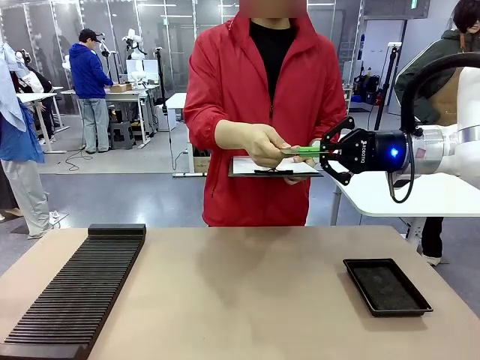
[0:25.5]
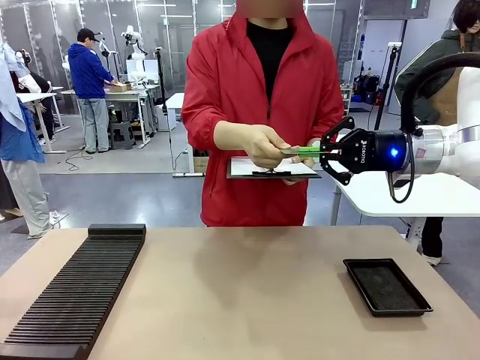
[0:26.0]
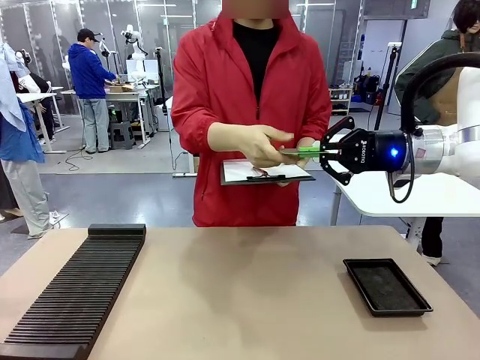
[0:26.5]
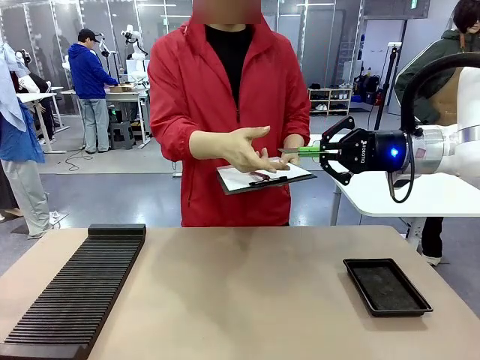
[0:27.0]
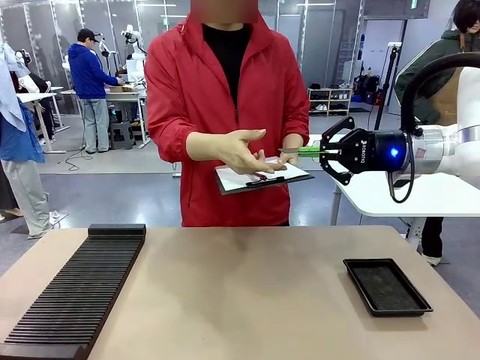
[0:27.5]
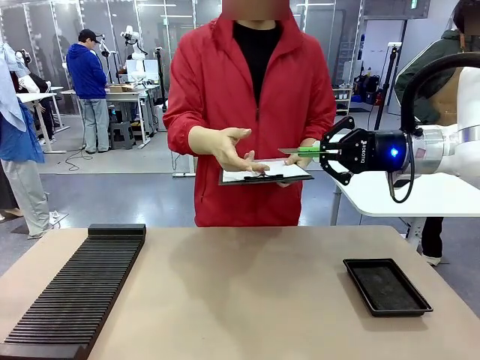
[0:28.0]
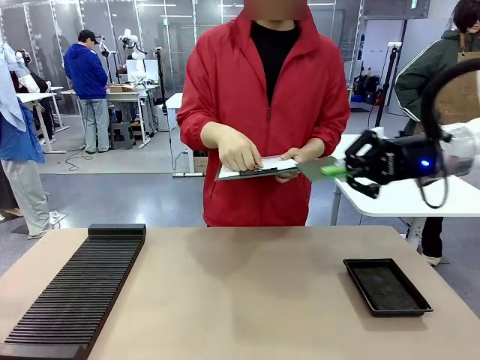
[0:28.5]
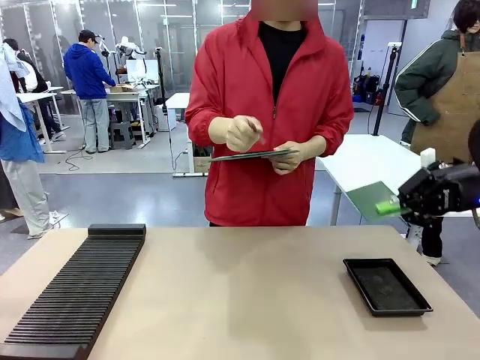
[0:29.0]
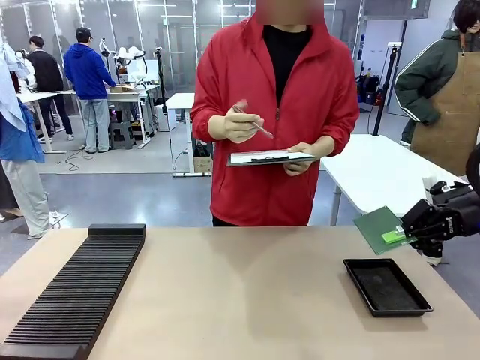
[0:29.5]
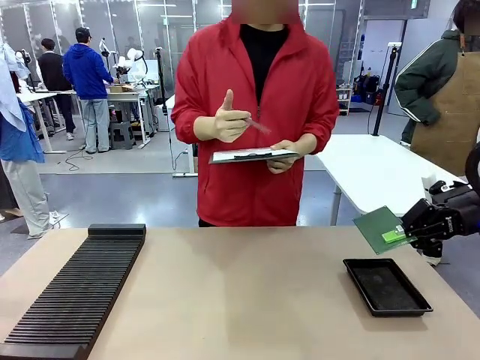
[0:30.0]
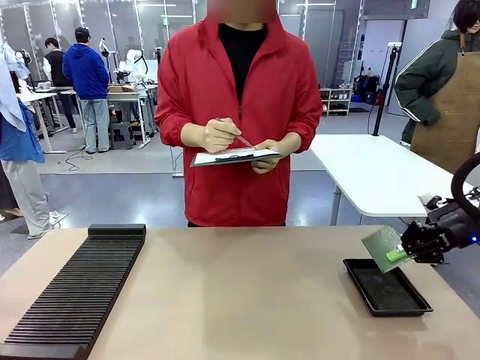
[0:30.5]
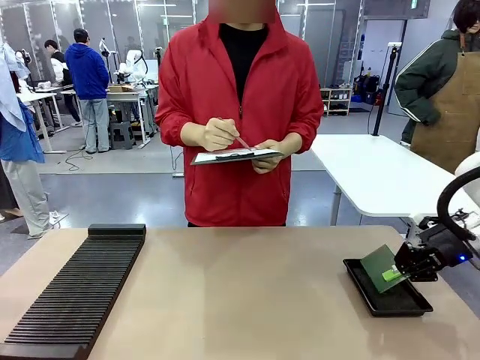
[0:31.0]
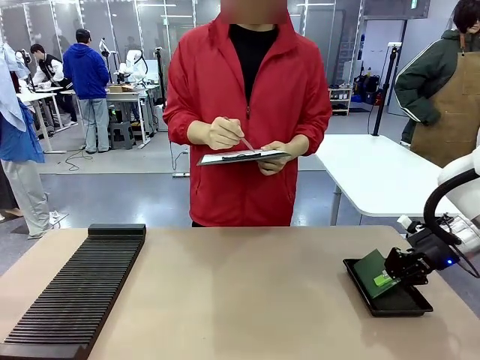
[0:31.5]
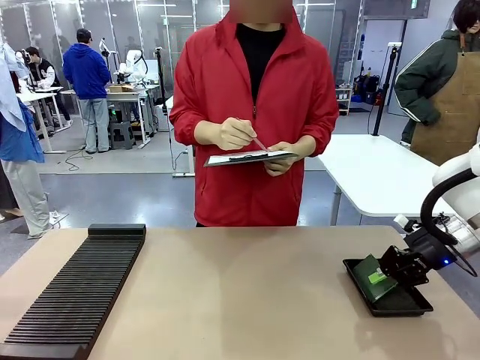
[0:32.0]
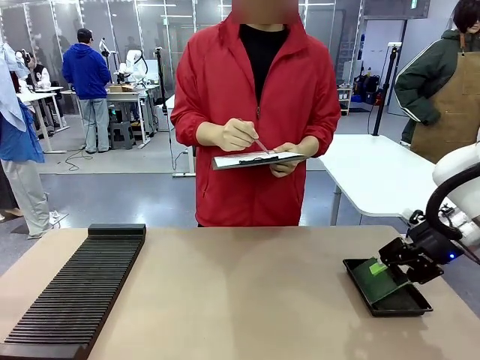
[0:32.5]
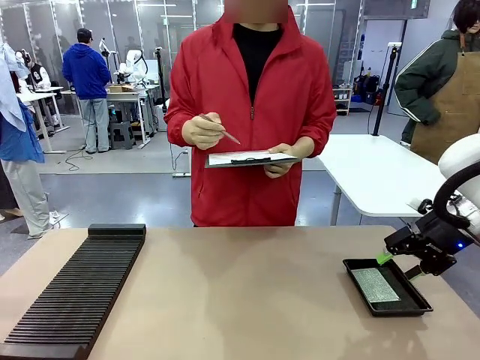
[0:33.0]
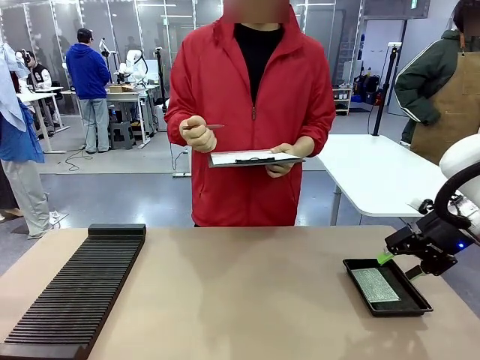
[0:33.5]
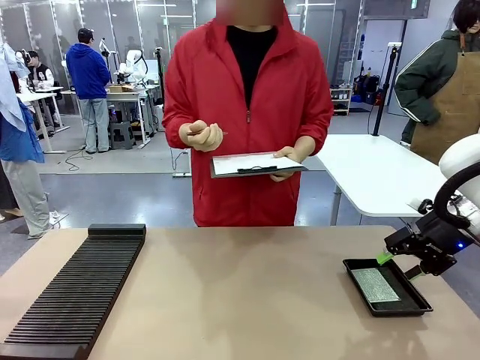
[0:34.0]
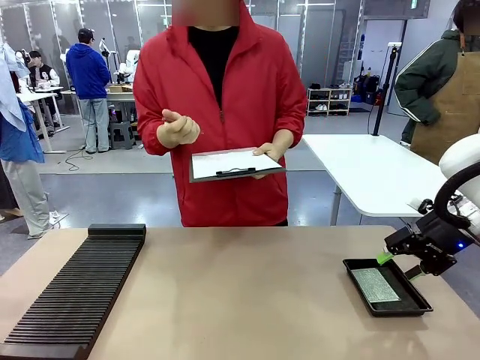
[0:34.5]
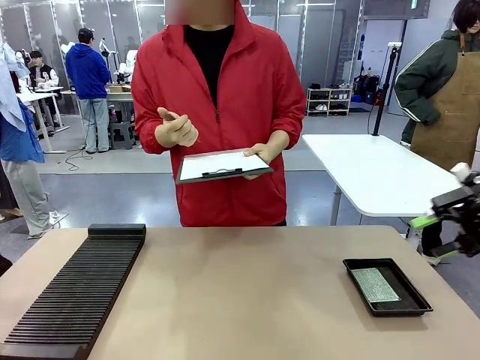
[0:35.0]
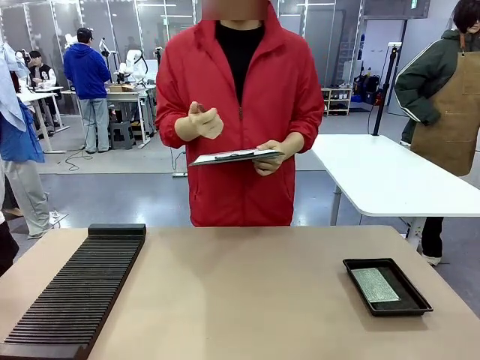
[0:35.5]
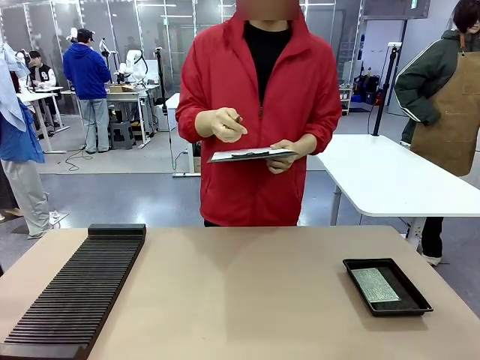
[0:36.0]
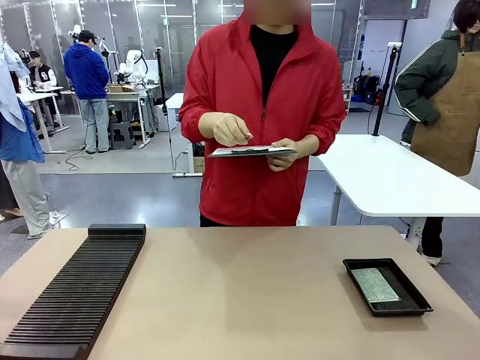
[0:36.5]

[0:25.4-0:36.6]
Task: Inspect the PCB.
Robot: Place the Blank PCB in the ESD tray.
Person: Record the PCB status on the paper.

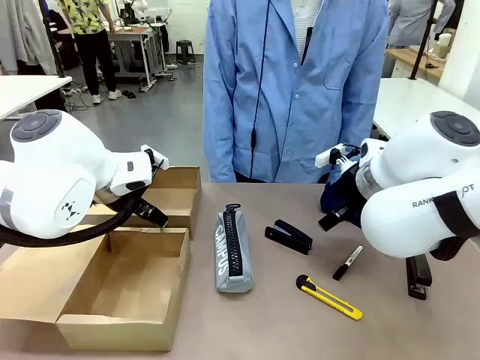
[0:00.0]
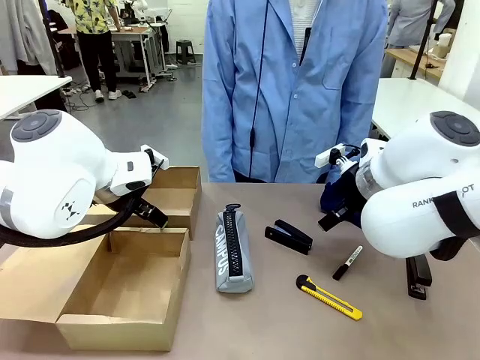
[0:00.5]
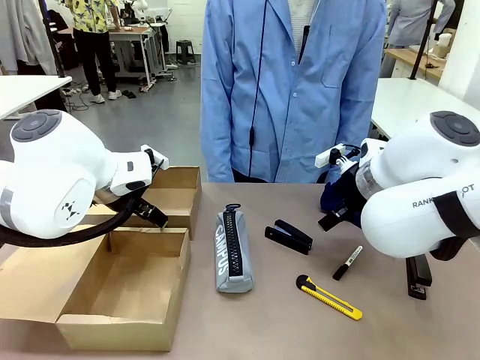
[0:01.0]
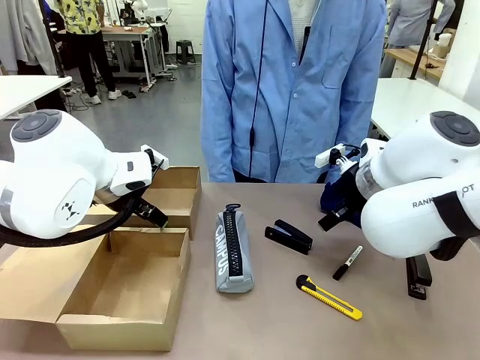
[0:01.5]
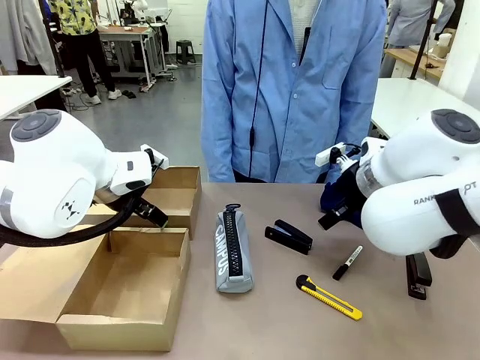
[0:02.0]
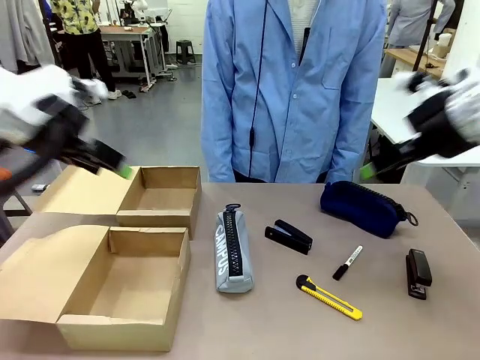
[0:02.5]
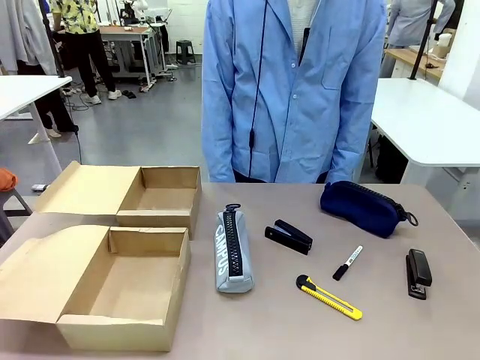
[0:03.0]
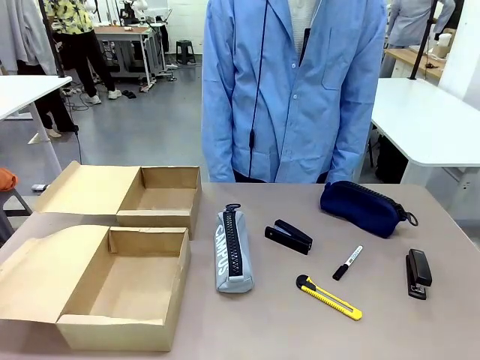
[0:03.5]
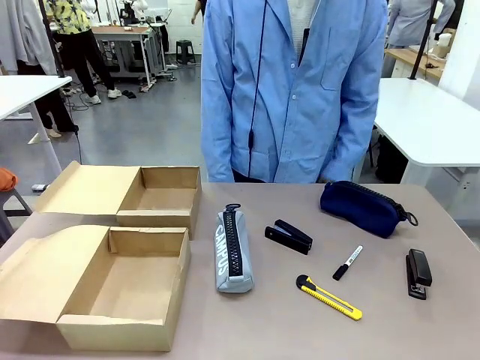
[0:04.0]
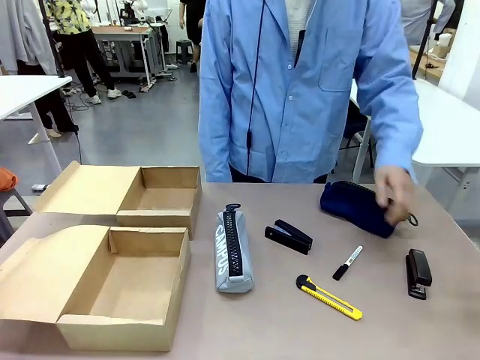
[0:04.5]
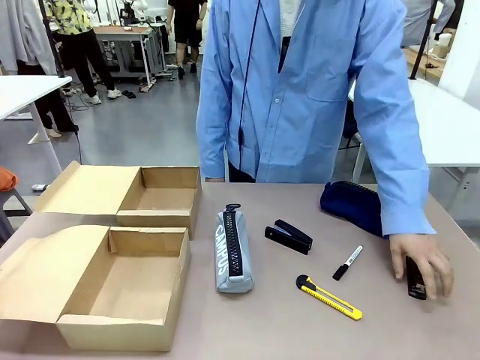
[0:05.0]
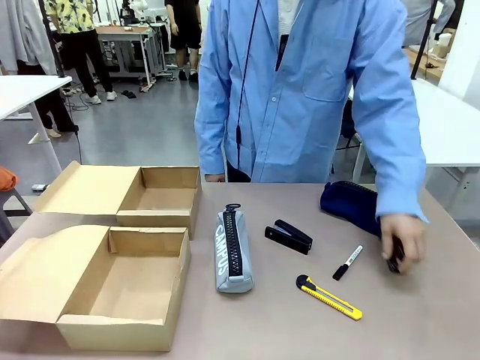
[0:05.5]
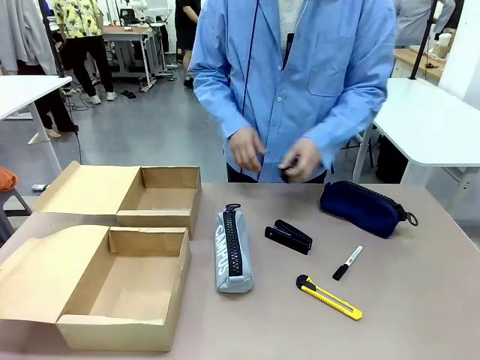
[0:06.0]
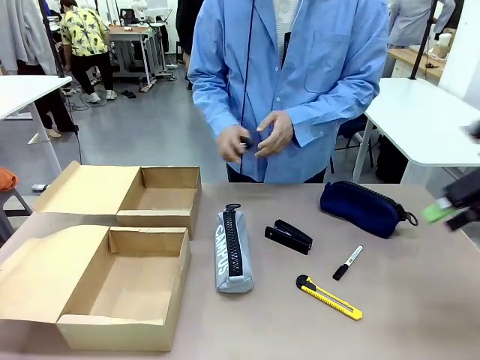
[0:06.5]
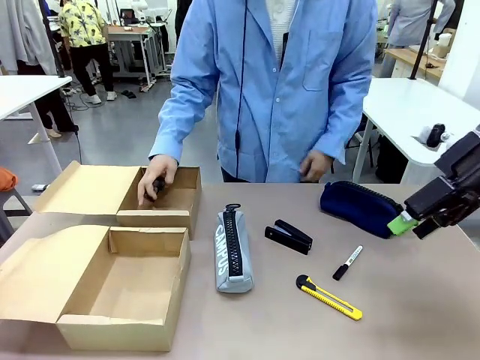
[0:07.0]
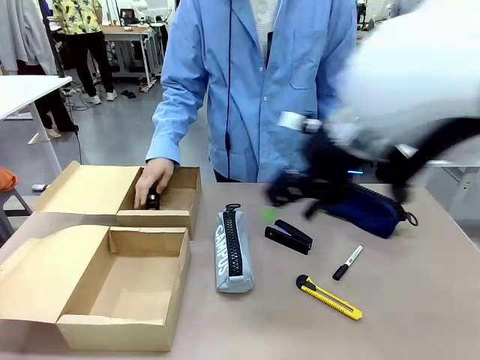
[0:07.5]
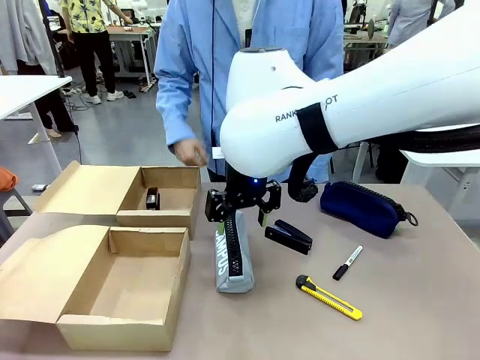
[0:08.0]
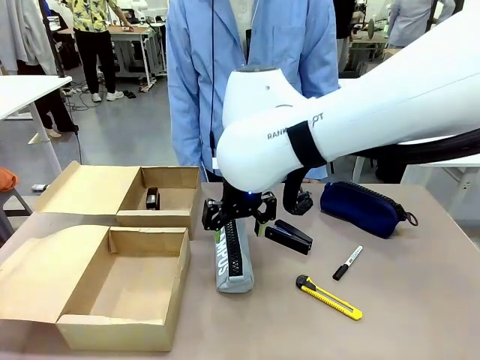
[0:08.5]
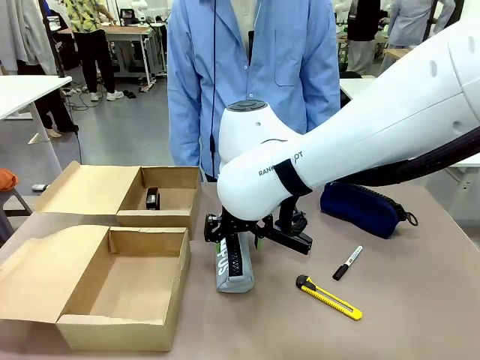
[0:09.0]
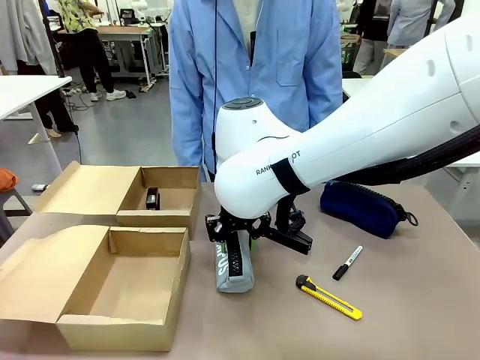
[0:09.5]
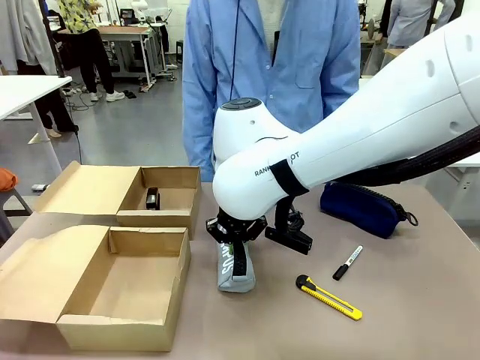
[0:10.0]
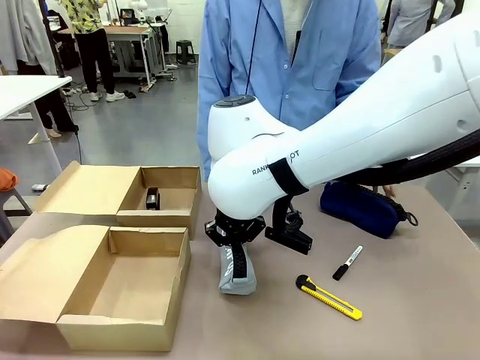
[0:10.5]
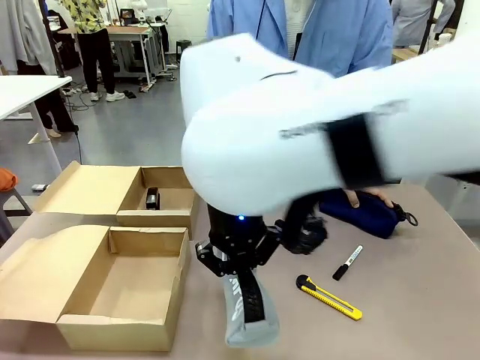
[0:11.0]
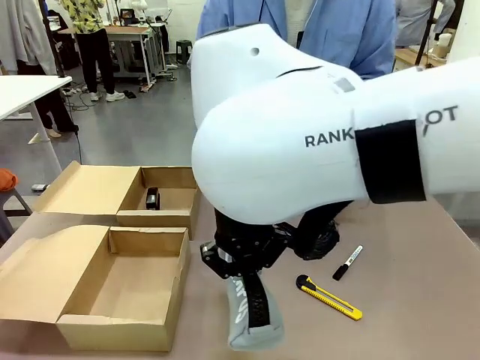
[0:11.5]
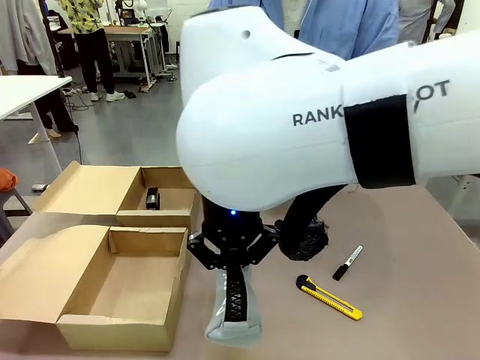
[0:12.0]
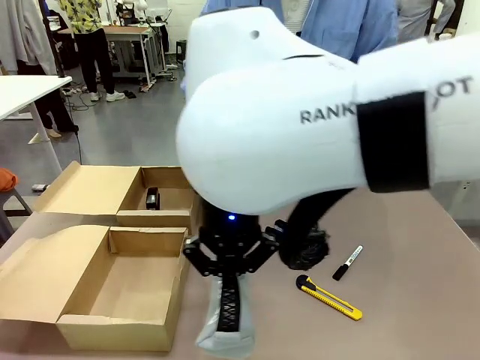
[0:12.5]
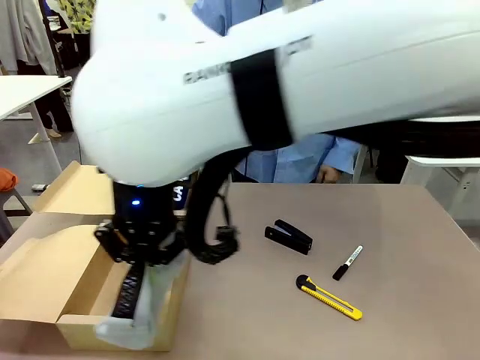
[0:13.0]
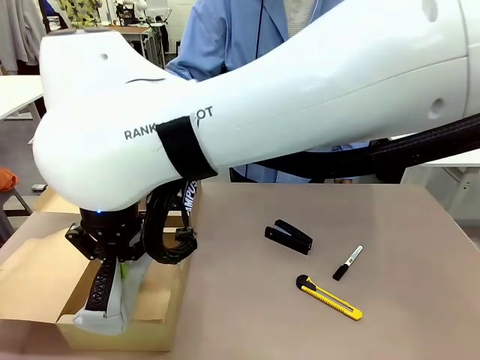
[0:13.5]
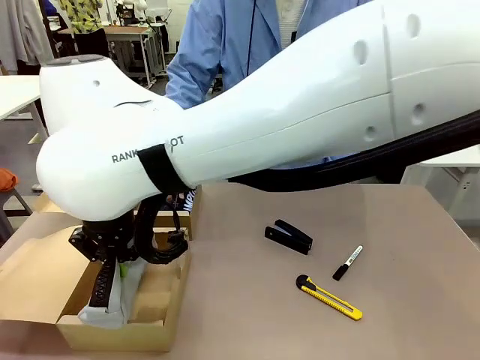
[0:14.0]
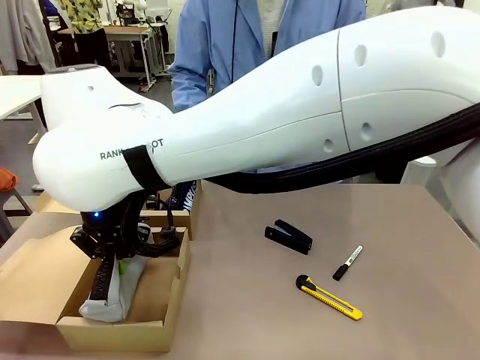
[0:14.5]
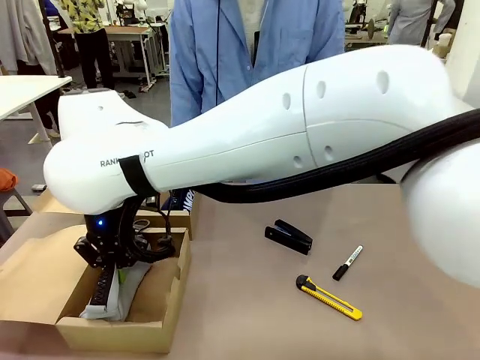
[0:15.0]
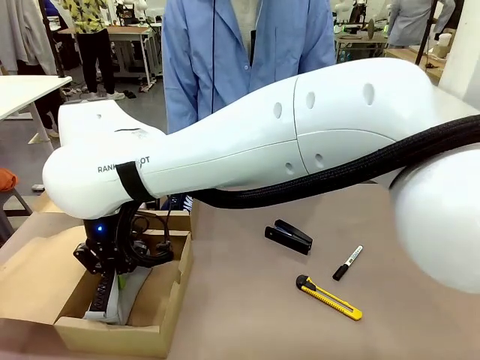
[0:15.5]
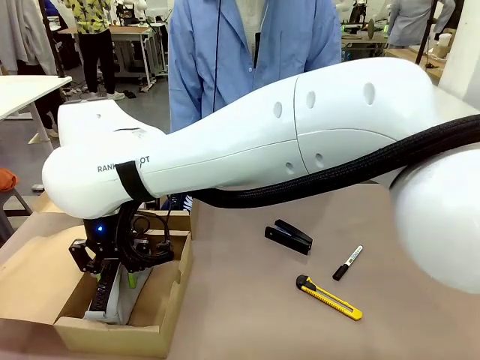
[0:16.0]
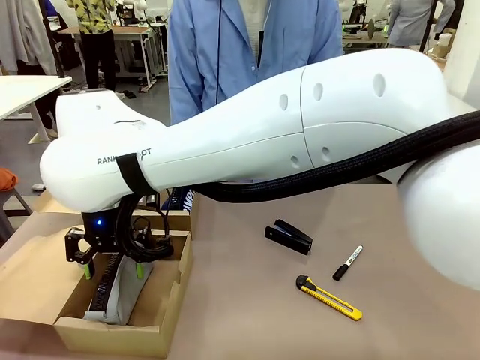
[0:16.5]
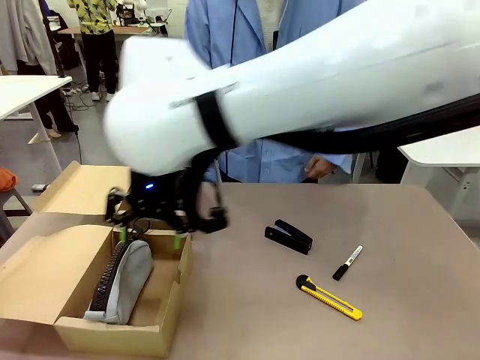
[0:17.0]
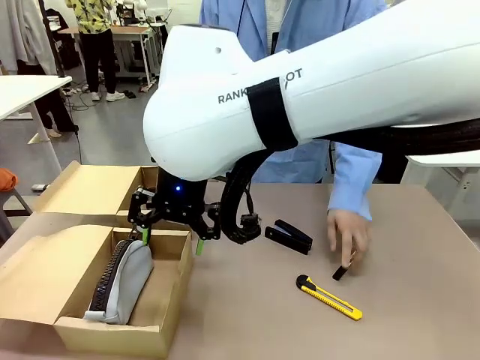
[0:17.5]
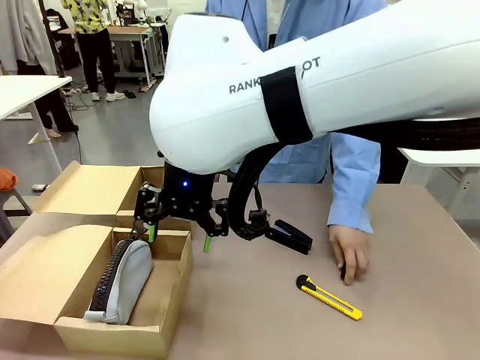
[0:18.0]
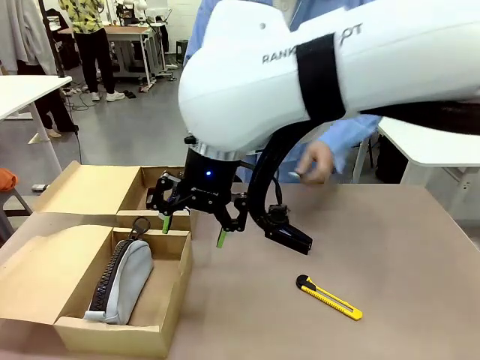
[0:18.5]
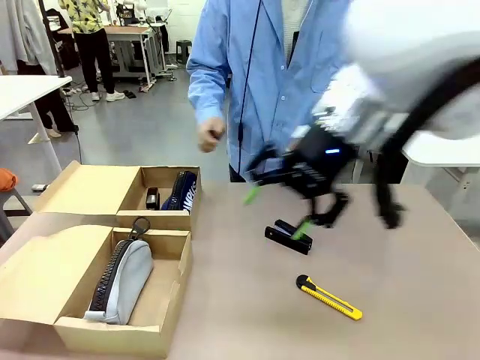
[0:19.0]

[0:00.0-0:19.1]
Task: Place items inside the box.
Robot: Pick up a Pencil pouch or Stapler and place it inside the Mailer Box closest to the robot.
Person: Pick up an object on the table and put it in the box.
